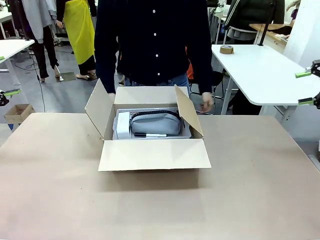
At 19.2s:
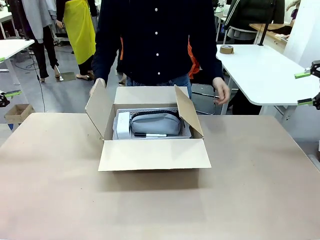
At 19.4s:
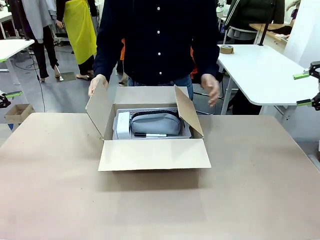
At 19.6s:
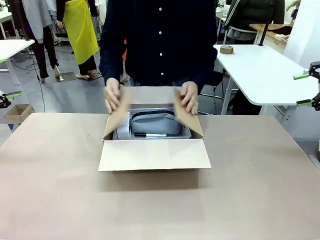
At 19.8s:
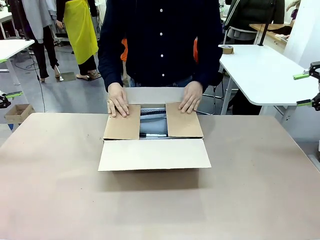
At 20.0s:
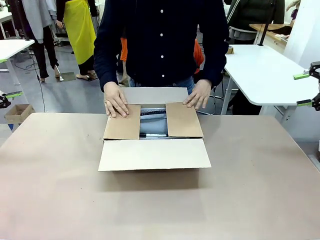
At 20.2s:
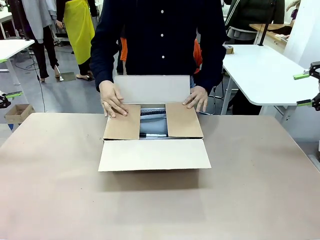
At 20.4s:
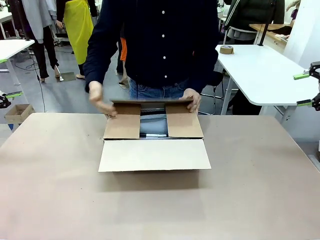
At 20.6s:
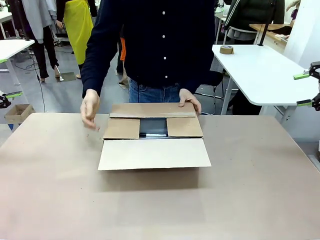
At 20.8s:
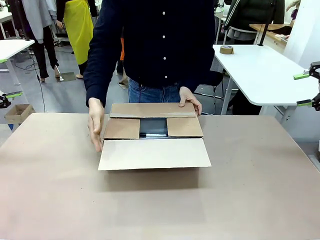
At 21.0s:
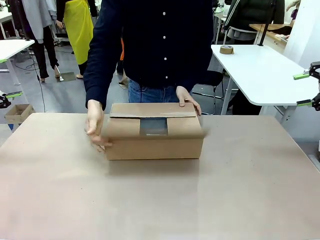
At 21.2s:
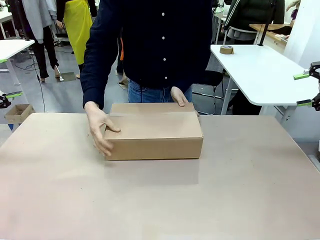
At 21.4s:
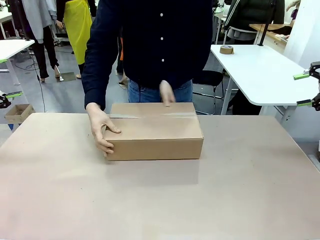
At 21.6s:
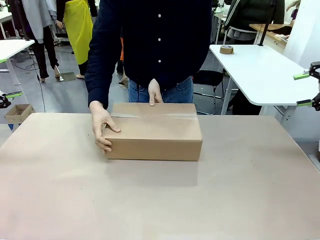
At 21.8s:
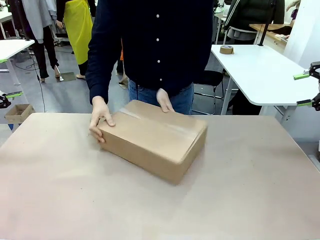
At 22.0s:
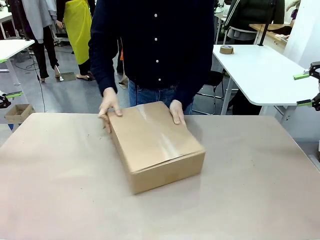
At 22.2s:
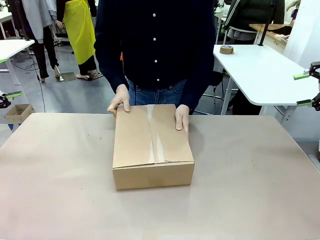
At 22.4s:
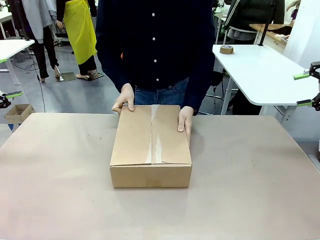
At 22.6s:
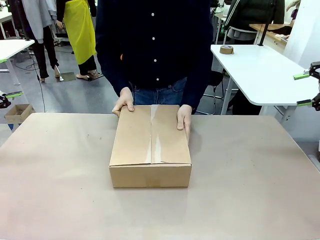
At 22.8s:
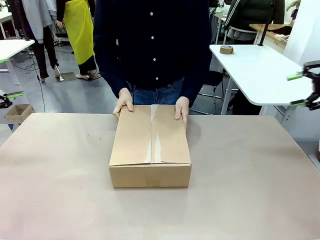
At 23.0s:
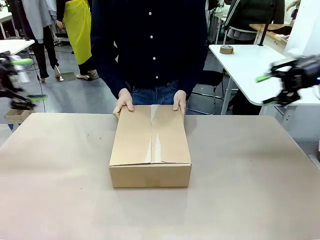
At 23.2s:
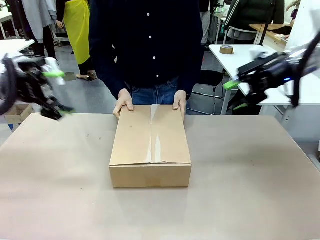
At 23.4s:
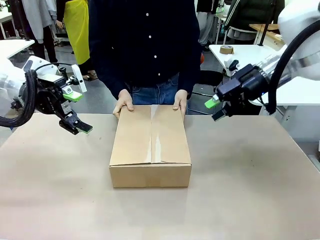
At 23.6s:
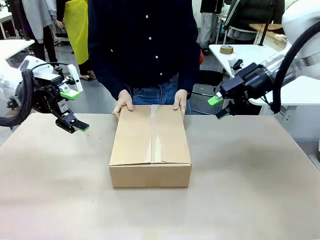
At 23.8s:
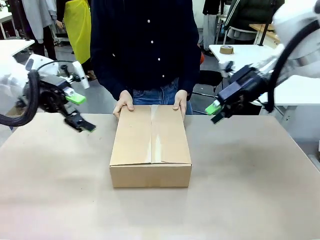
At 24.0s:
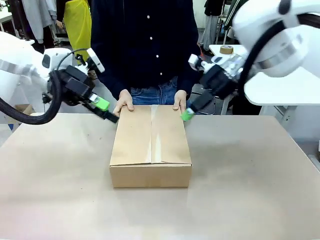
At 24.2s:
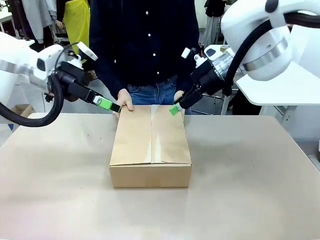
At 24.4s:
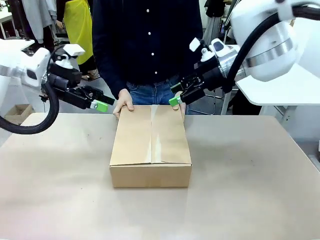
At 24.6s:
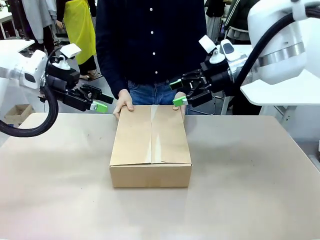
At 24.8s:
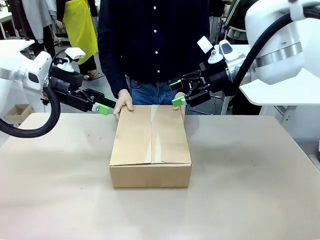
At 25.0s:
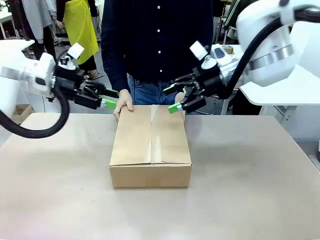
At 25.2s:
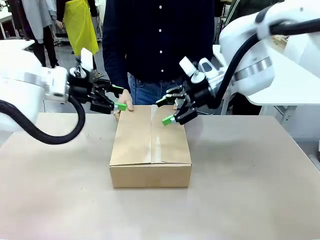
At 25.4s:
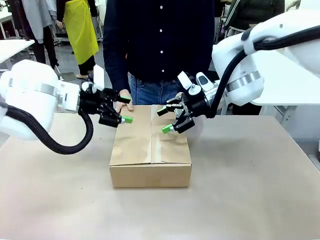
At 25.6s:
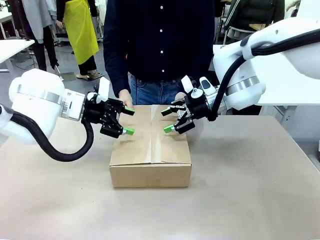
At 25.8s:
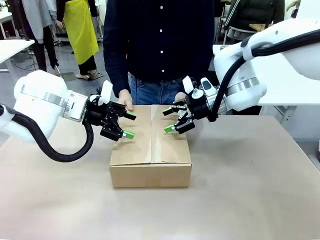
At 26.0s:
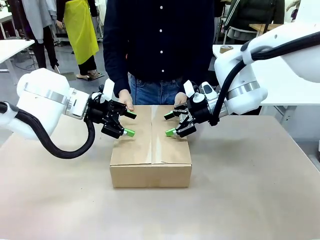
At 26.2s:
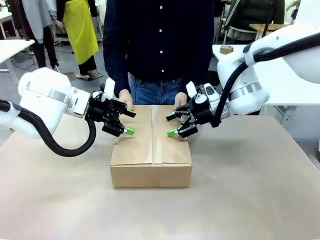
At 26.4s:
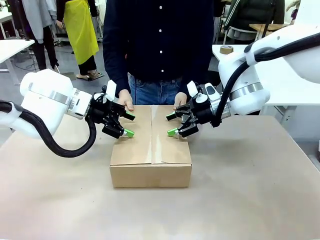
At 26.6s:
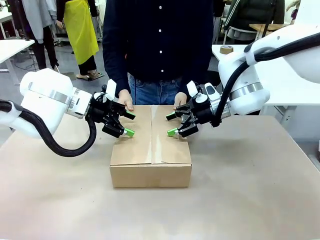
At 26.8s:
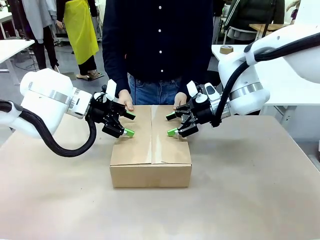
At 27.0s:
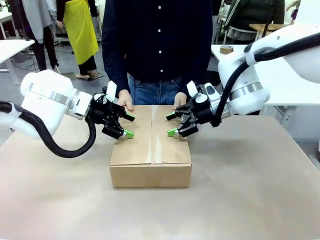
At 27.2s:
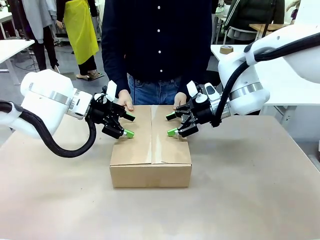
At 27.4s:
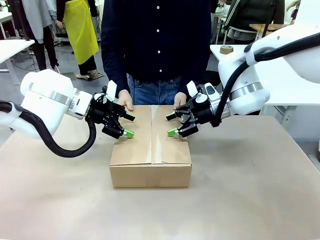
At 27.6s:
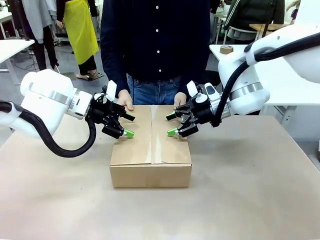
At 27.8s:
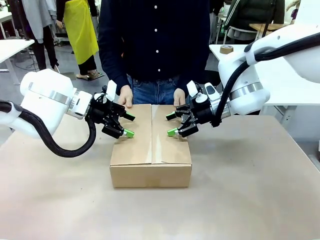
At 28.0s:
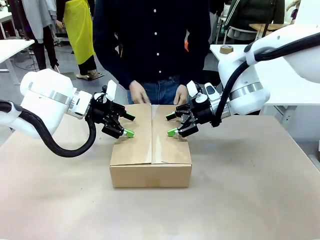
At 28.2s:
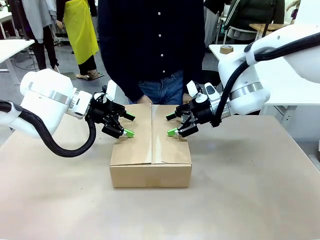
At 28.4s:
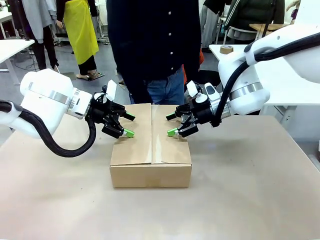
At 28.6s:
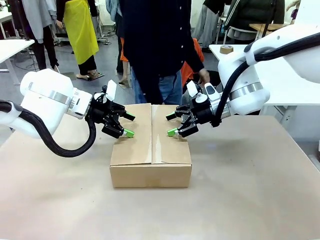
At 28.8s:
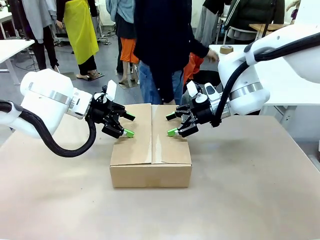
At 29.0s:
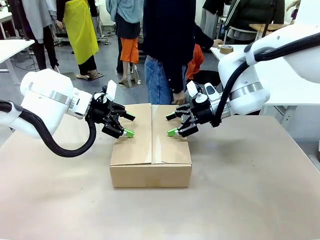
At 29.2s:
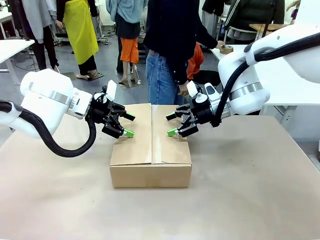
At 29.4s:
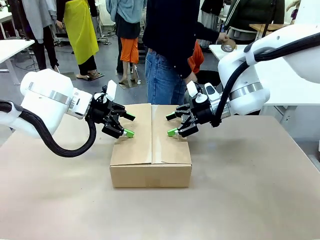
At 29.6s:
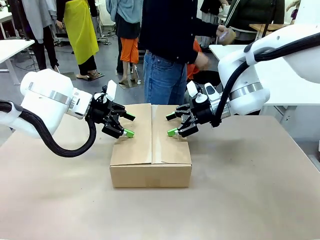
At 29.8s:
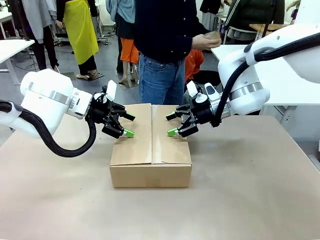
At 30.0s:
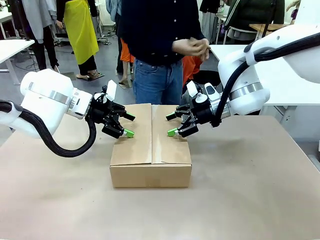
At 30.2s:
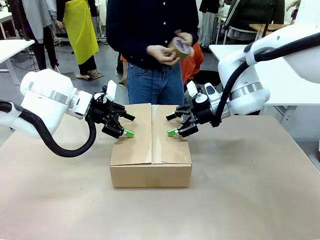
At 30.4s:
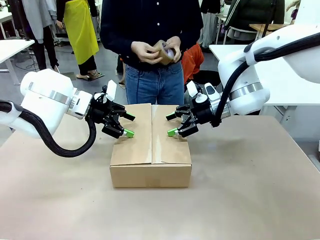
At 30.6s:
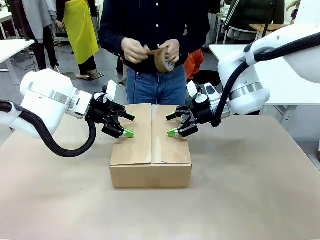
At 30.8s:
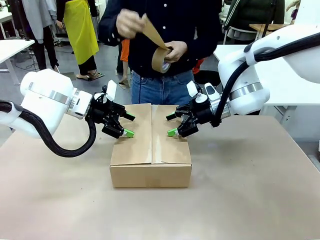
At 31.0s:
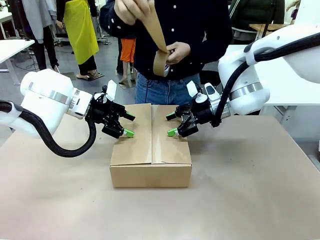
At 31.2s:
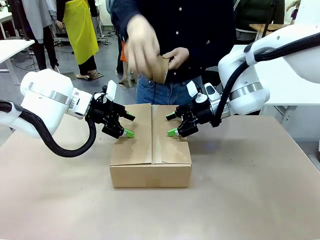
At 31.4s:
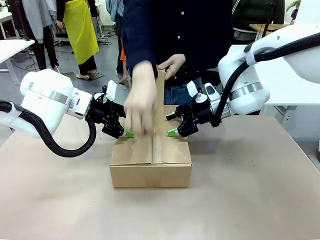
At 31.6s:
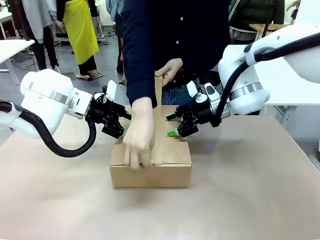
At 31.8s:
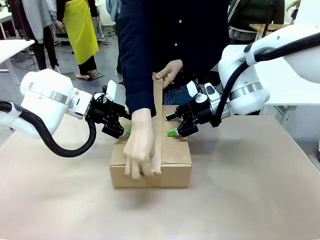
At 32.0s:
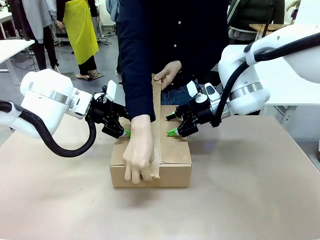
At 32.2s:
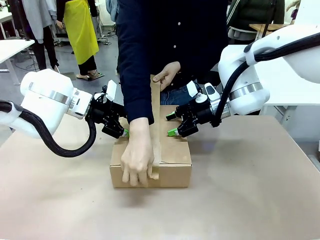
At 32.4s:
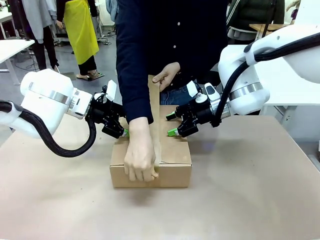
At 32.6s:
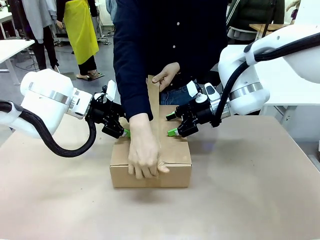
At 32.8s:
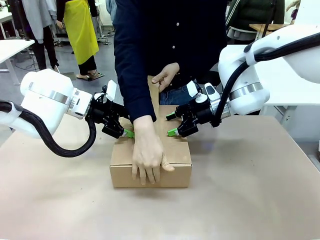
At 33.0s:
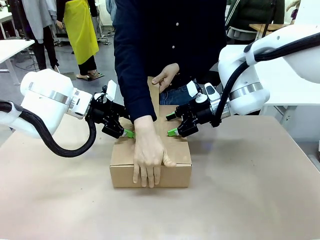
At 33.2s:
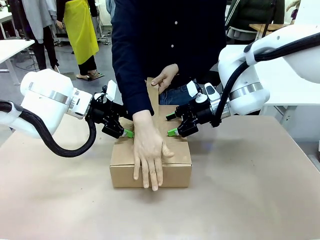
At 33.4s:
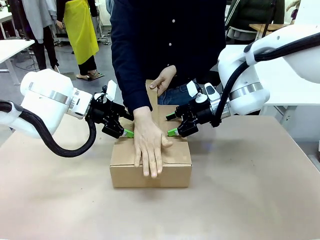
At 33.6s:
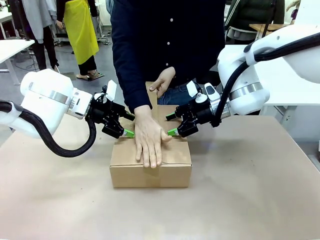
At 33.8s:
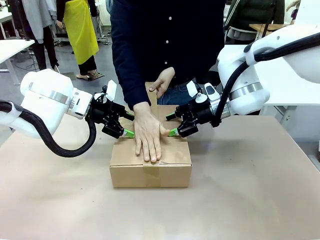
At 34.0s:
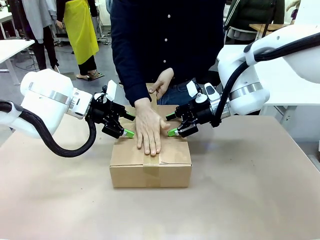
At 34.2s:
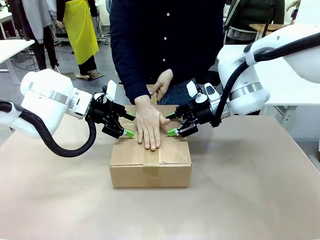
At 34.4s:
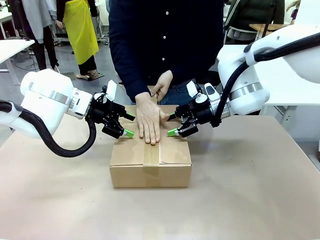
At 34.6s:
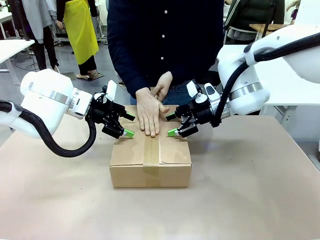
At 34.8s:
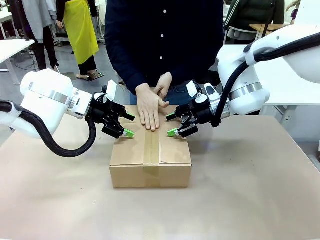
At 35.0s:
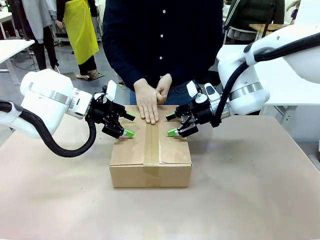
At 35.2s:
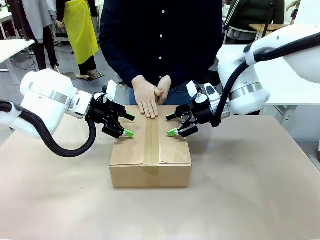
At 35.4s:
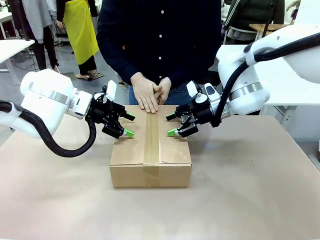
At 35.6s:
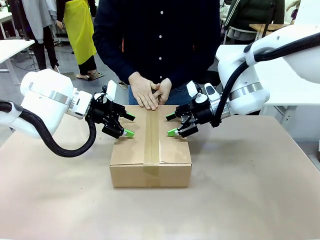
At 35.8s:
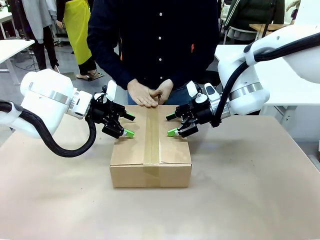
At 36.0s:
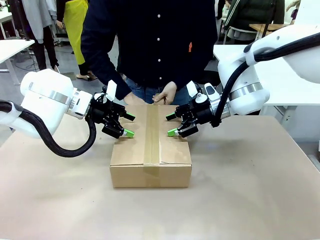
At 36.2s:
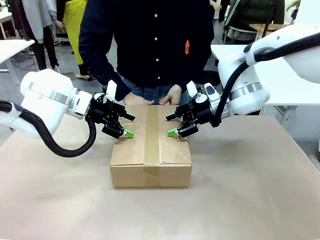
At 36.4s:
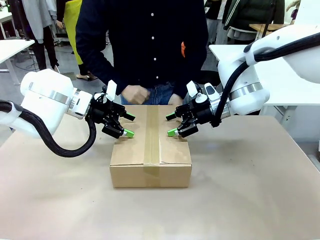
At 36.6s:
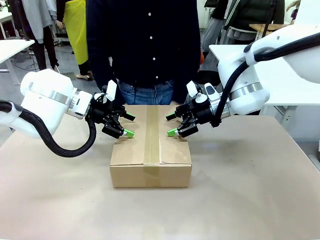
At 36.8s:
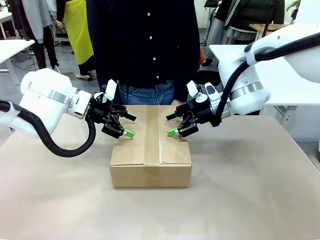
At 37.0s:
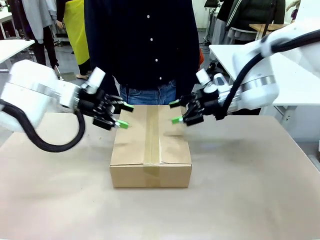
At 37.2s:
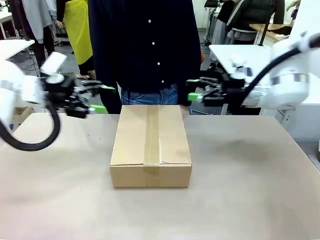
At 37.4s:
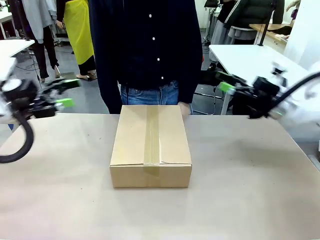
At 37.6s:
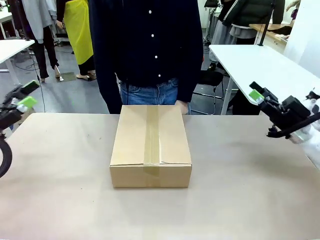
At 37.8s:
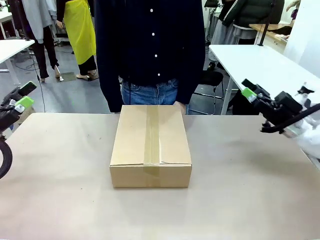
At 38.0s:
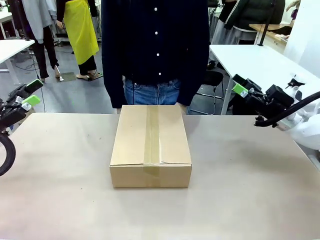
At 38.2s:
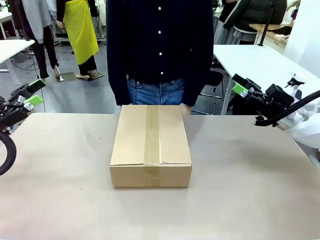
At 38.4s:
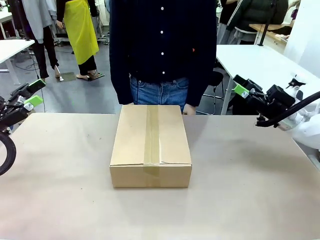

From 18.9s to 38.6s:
Task: Pack the gift set into the box.
Robot: Press and hold the closed box until the human finishes sealing it.
Person: The human closes the box and rotates the box by 90 degrees. The human picks up the paper tape from the human table and packs the box.
